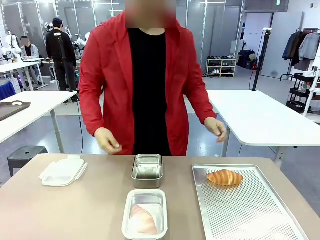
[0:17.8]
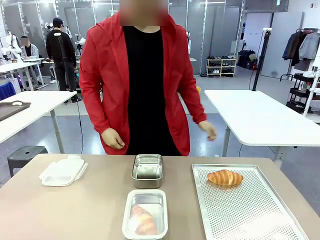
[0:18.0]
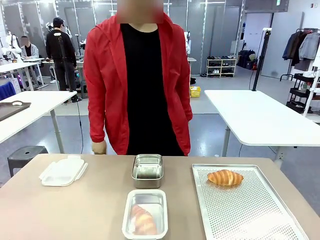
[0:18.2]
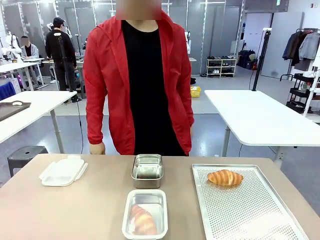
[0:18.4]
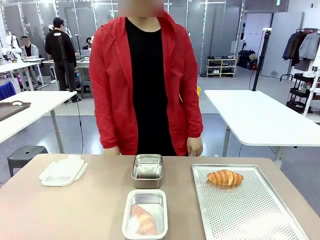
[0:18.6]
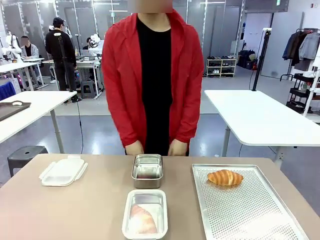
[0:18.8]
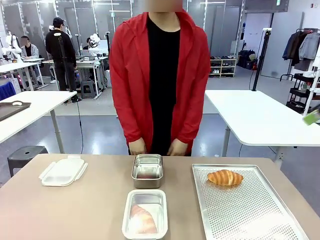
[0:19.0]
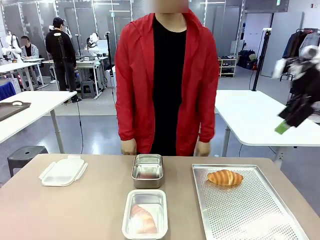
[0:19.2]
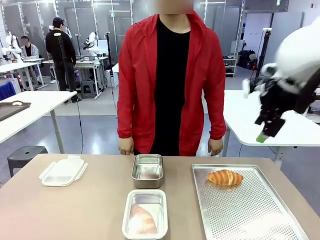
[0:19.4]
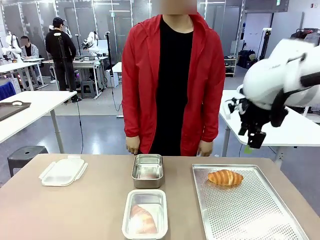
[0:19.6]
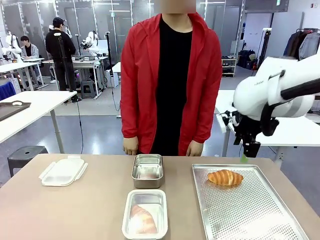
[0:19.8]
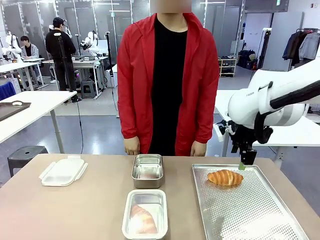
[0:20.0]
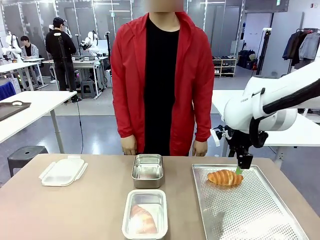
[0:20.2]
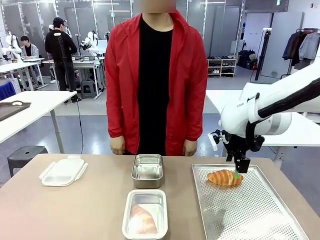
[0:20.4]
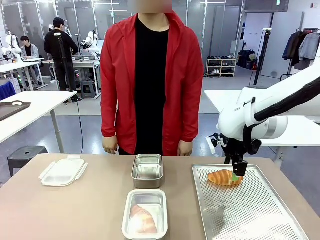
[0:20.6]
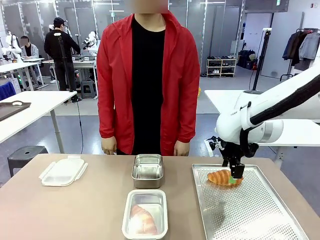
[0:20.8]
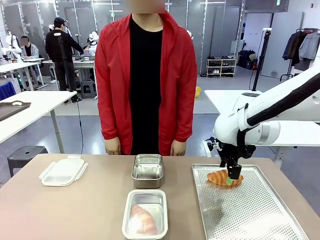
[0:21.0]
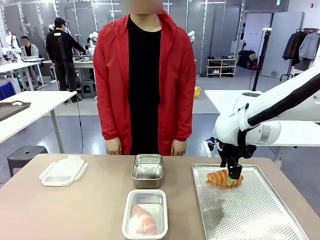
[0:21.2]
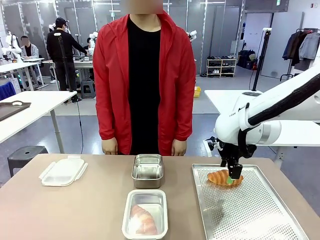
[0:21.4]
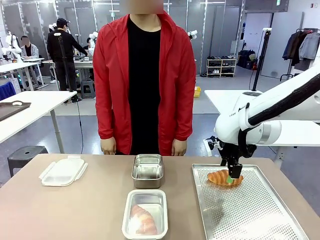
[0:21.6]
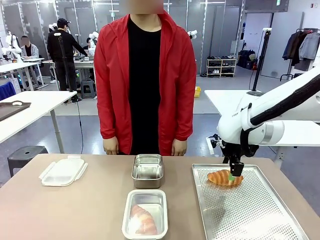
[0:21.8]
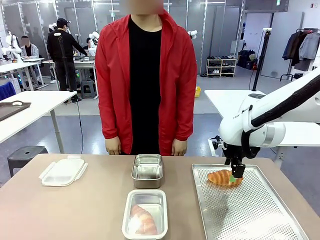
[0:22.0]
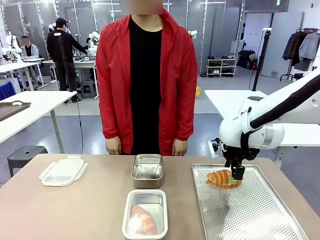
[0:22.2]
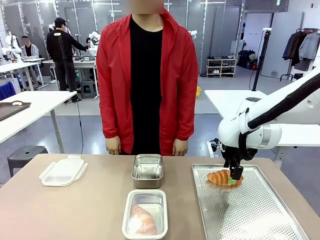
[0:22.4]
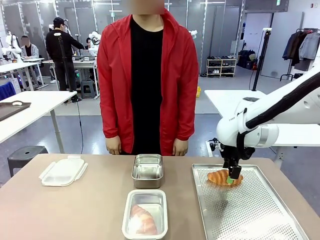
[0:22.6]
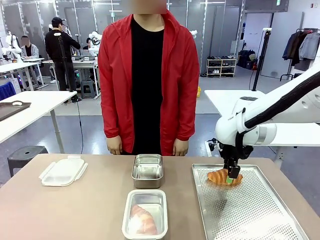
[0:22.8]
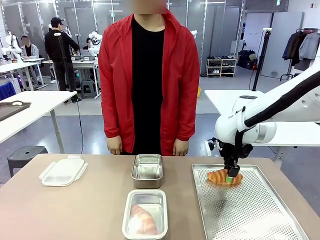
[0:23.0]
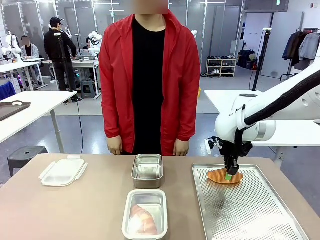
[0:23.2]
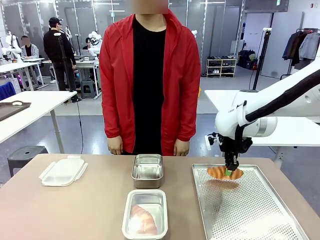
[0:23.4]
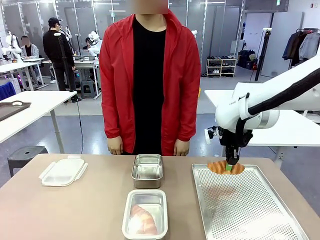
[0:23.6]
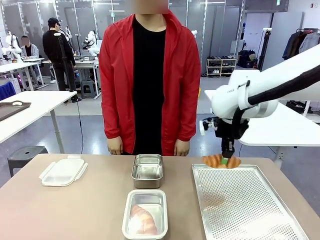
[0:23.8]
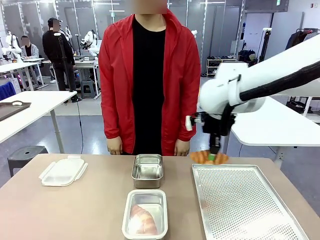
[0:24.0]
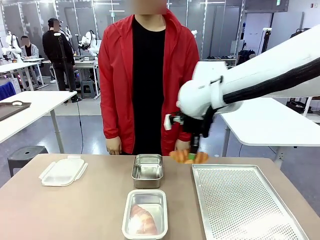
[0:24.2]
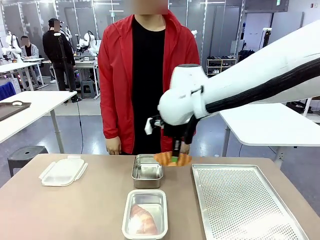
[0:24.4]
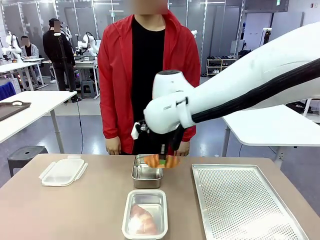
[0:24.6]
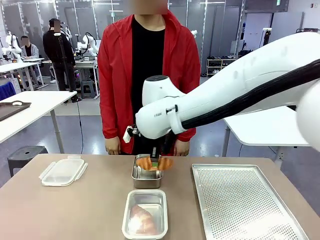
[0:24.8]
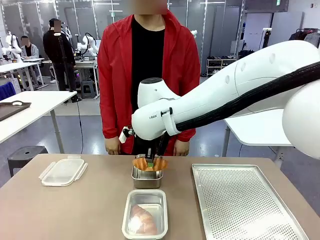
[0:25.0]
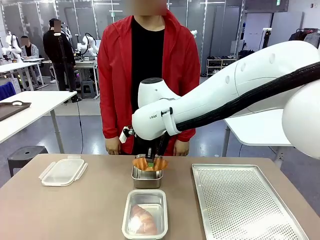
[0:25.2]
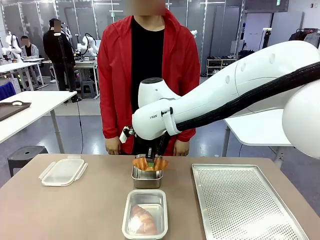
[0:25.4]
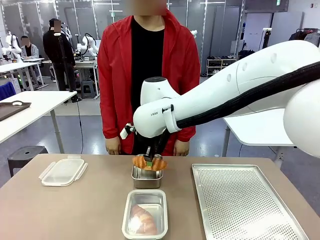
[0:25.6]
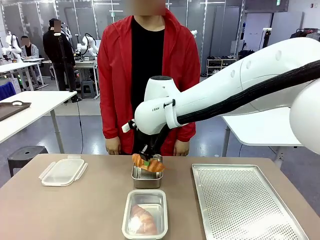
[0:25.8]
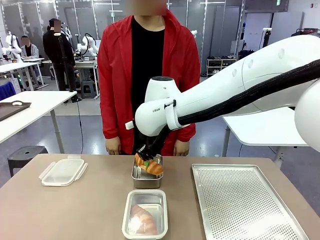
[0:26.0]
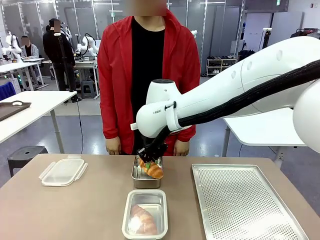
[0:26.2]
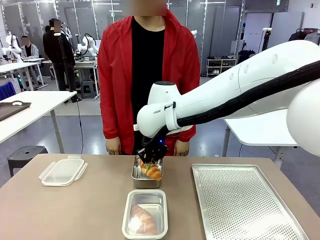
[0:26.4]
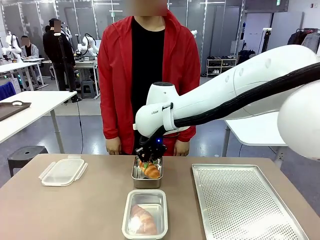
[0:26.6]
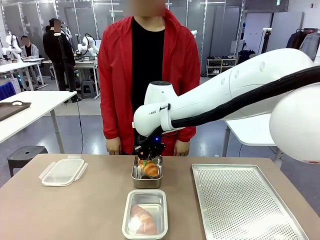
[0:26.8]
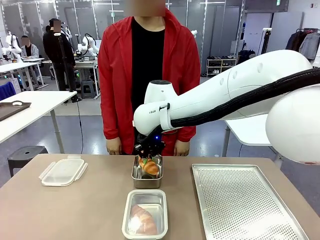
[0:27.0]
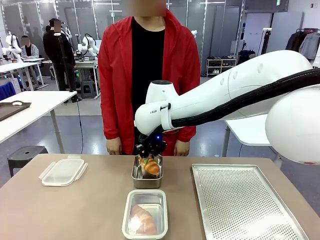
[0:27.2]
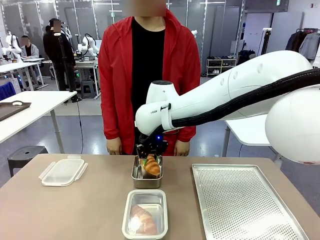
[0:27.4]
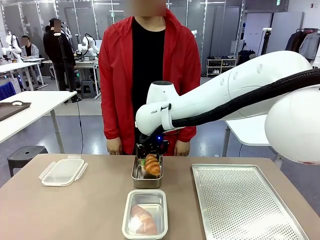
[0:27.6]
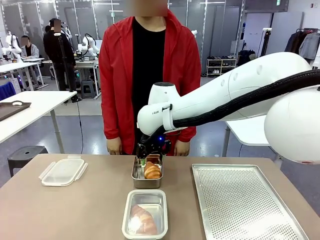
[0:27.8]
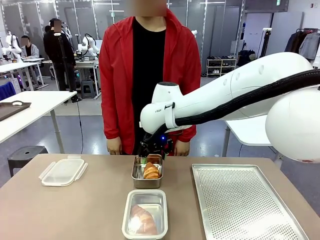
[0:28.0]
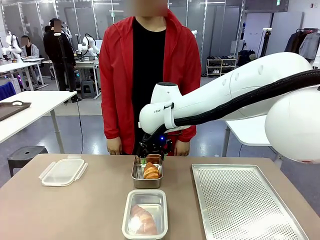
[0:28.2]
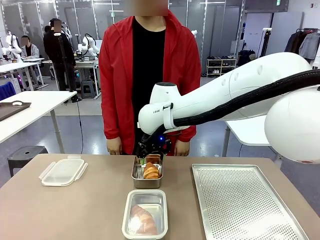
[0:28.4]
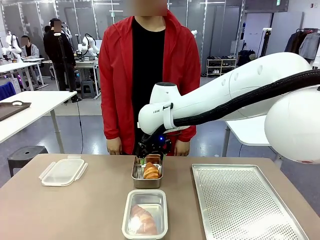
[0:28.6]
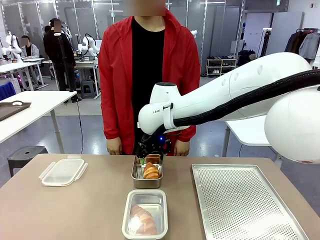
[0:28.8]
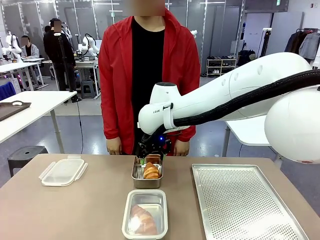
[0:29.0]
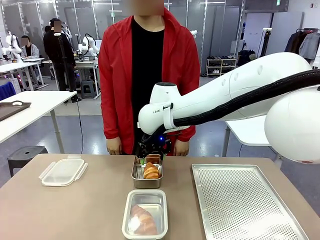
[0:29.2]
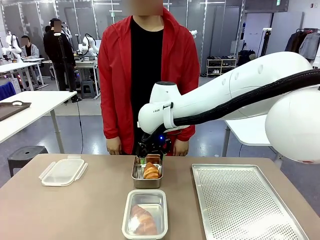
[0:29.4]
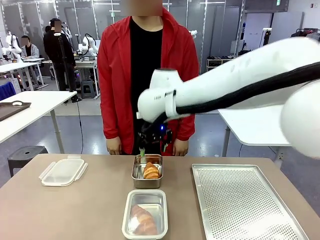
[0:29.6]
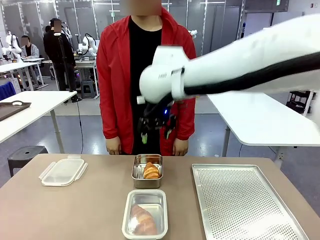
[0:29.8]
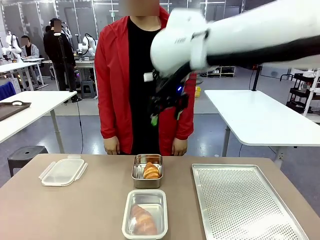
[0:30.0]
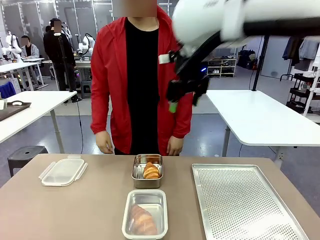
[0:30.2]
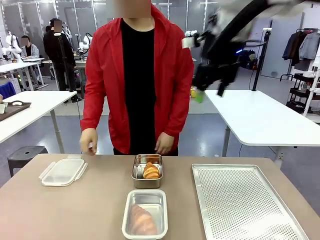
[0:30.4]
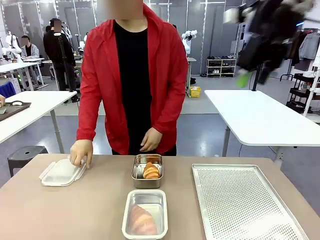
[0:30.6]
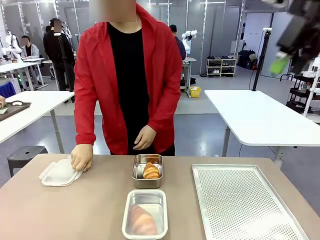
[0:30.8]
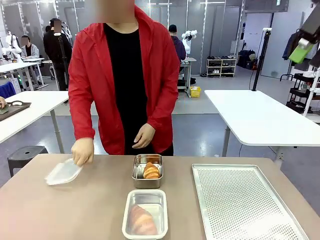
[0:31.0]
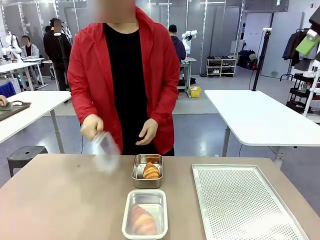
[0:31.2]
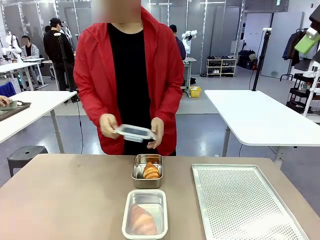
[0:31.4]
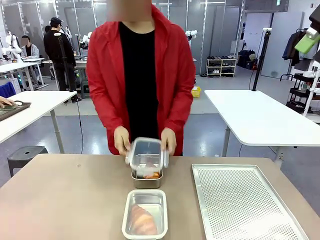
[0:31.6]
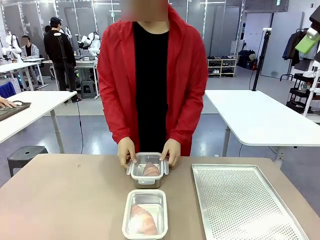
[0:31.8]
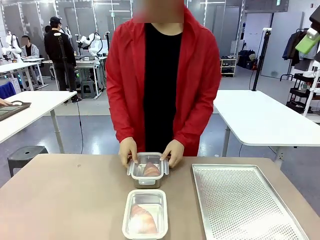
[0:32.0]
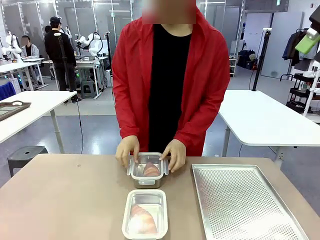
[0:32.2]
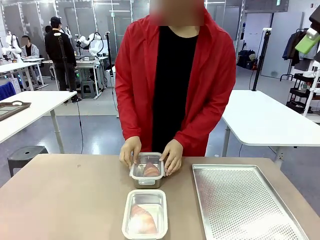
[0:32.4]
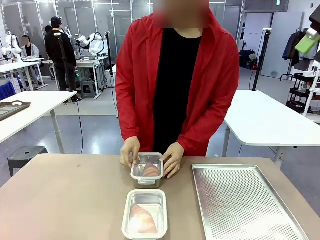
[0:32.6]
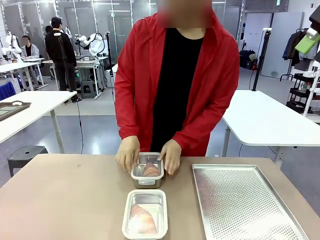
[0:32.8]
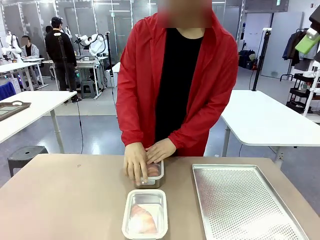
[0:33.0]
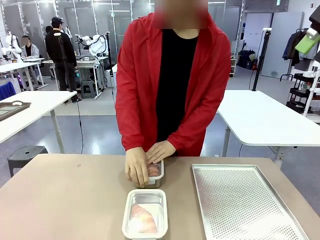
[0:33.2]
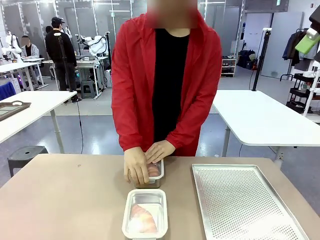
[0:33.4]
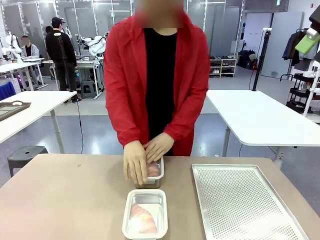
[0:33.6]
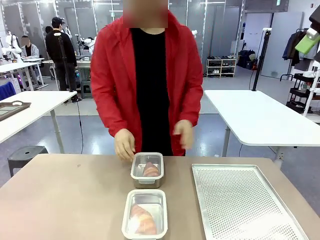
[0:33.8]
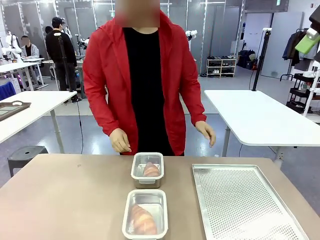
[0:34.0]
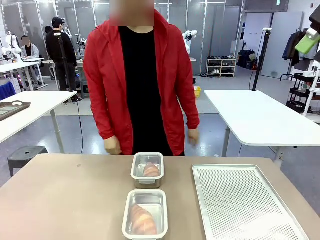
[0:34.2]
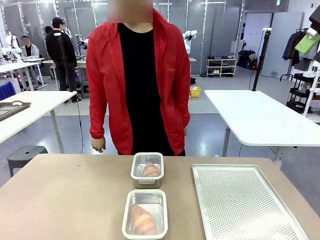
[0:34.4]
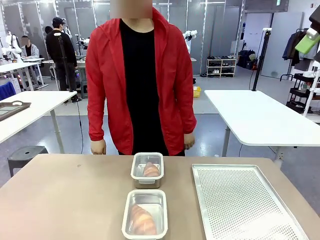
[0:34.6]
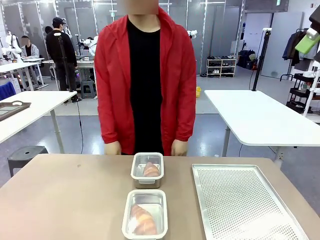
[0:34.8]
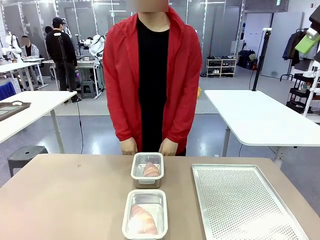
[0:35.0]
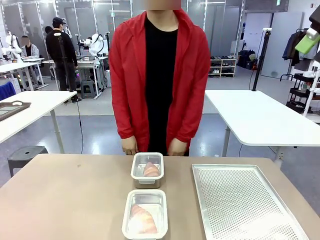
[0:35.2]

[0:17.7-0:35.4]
Task: Place the bread into the airtight container.
Robot: Pick up a Butter Roll and place it into an empty Airtight Container.
